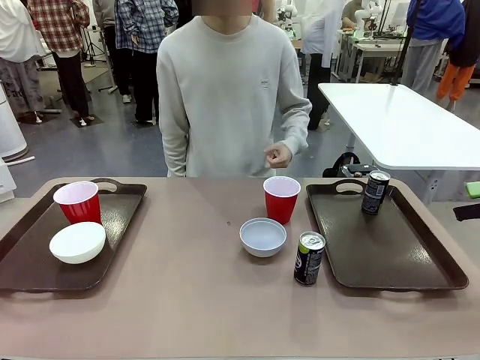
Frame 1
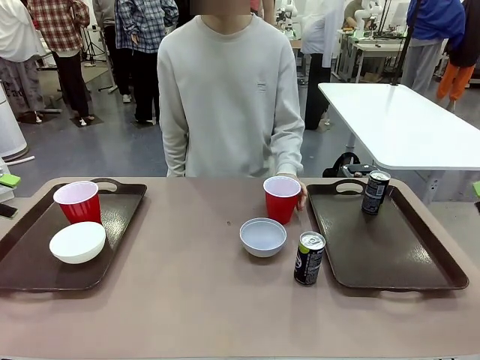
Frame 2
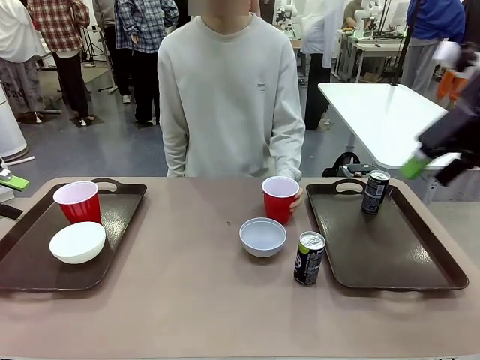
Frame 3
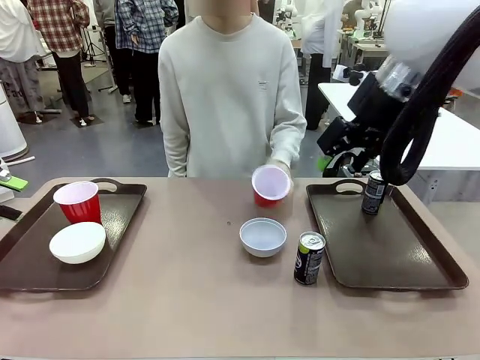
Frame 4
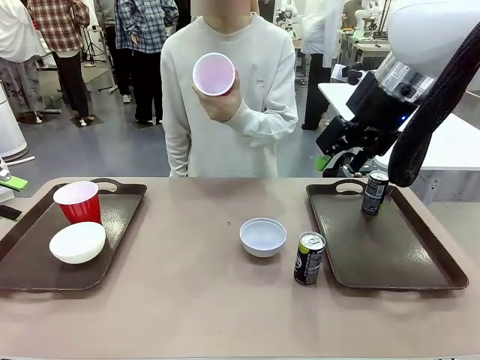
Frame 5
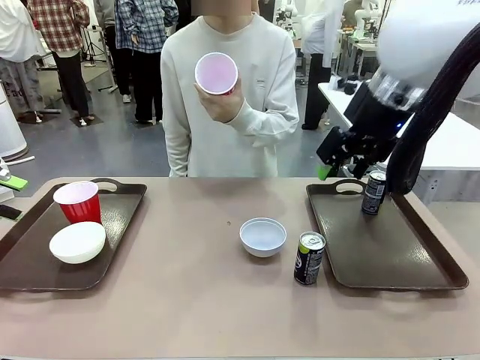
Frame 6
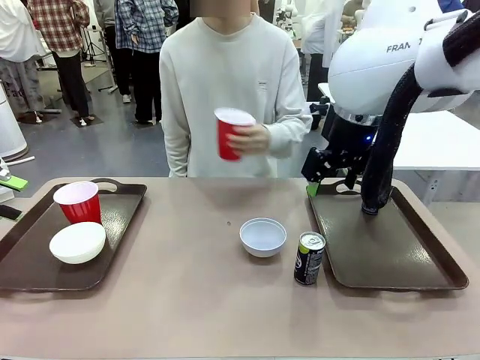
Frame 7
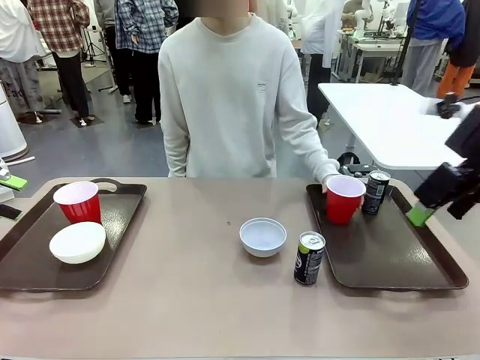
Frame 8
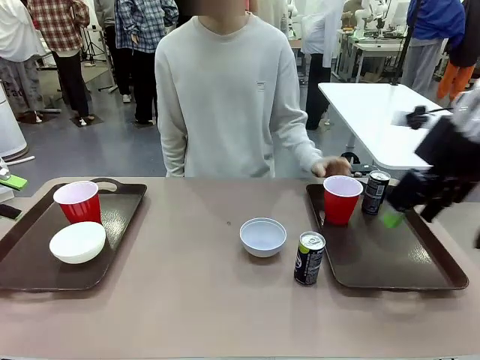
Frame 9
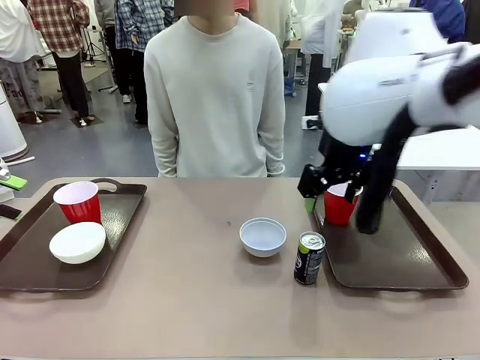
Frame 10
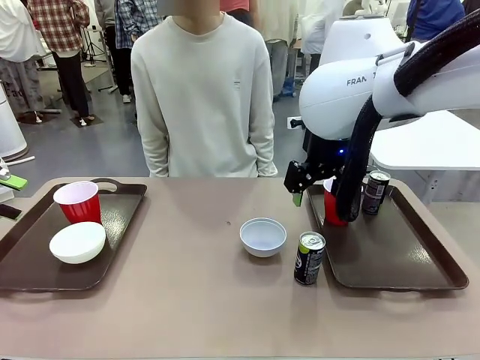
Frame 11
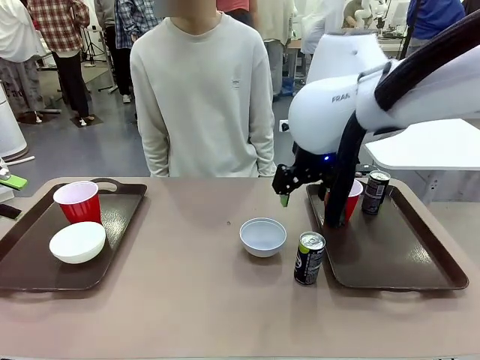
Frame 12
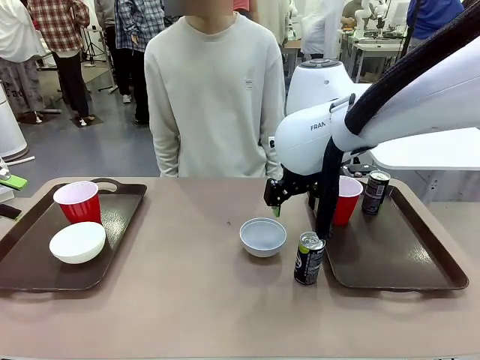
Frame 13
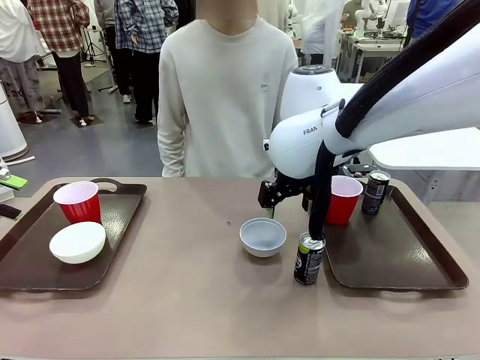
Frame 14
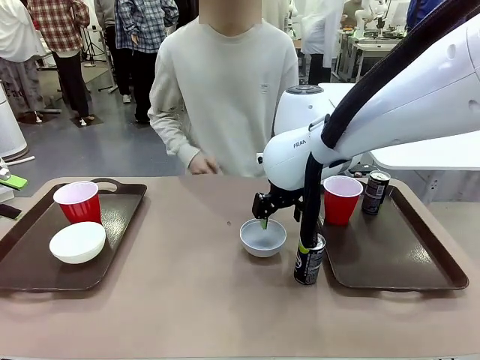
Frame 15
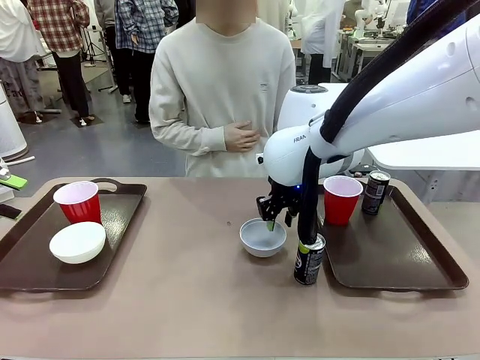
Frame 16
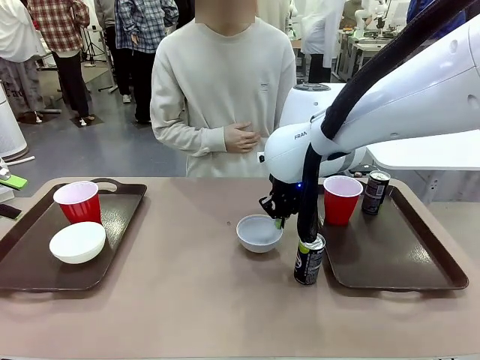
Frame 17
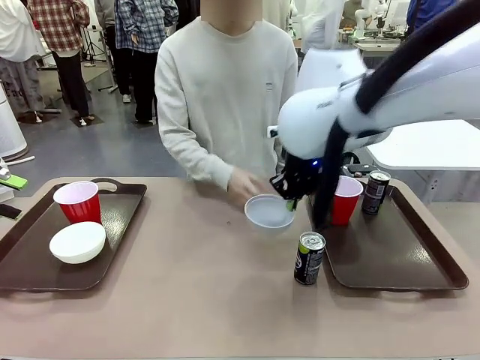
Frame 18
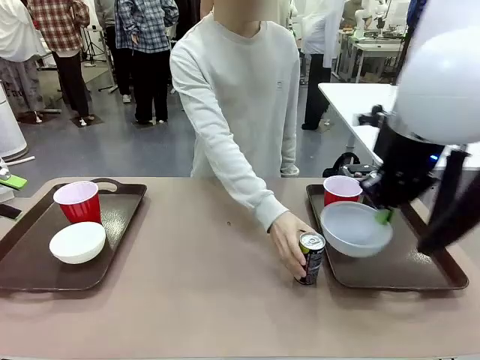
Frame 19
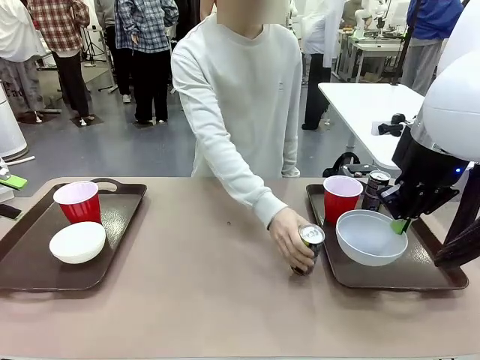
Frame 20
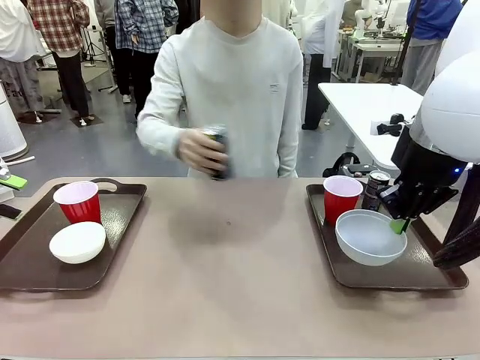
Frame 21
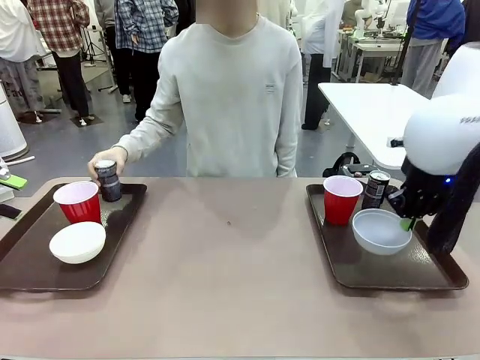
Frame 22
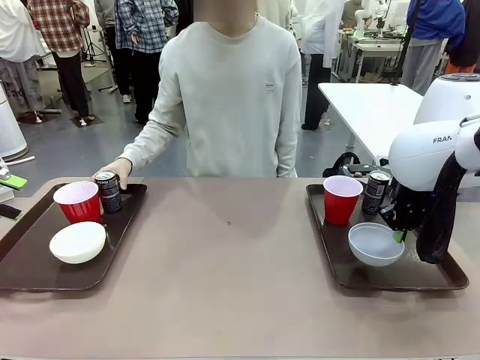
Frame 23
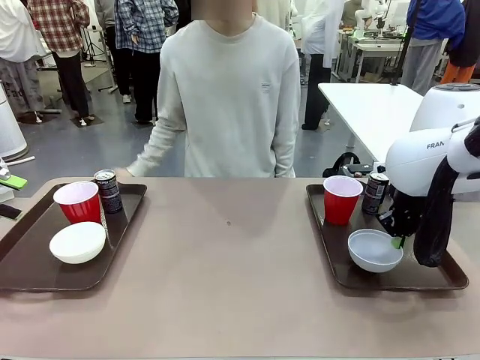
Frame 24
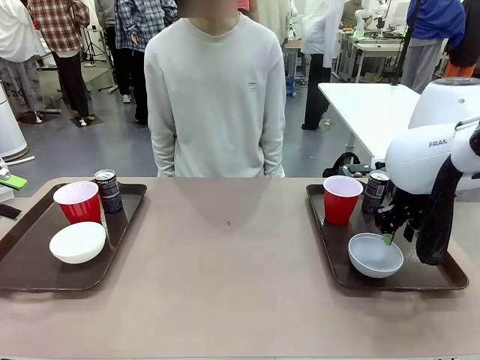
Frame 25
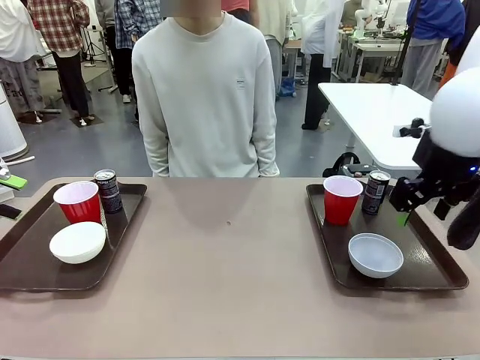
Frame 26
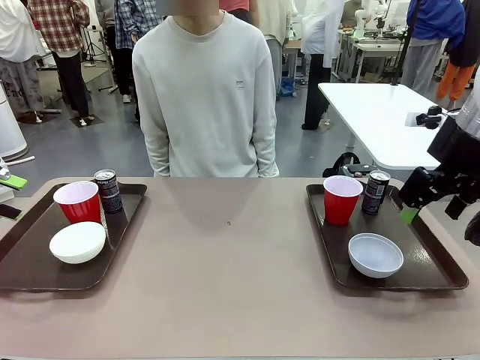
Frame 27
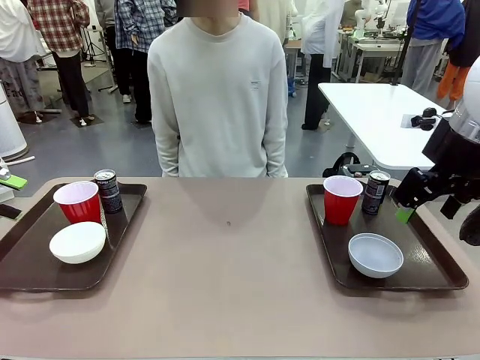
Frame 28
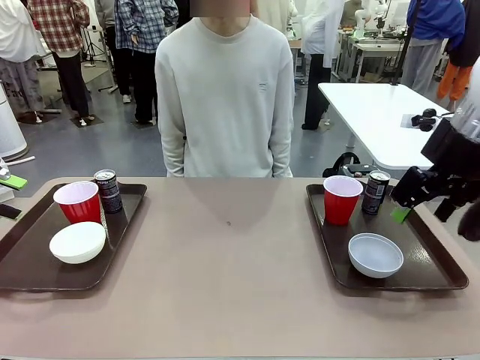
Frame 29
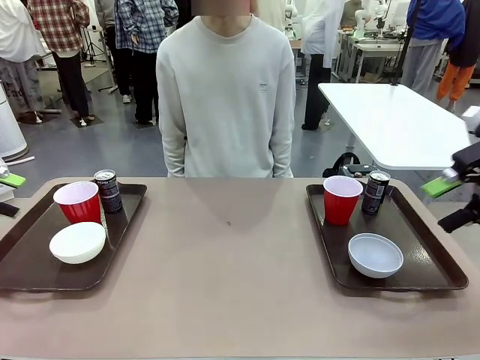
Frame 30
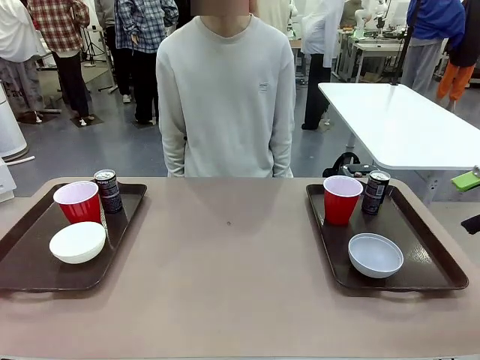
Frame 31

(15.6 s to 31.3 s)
Task: Prepare tableware on both trays.
Robot: Pick up a Picnic Bowl from the table and place it on a Handle tray.
Person: Pick up a can or cup and place it on the tray without a can or cup.

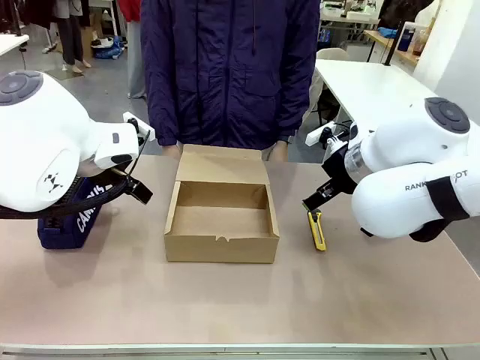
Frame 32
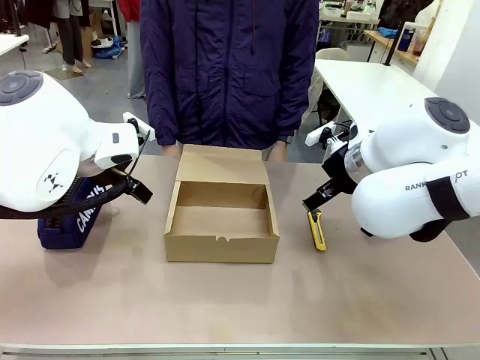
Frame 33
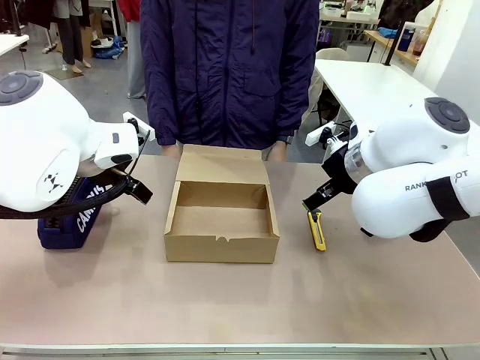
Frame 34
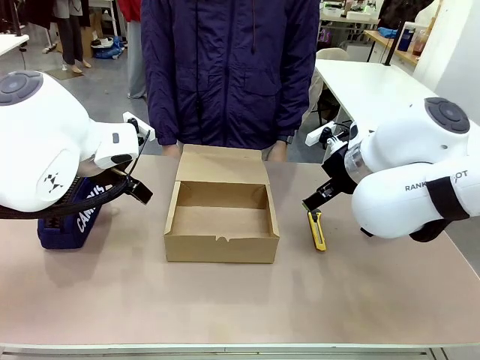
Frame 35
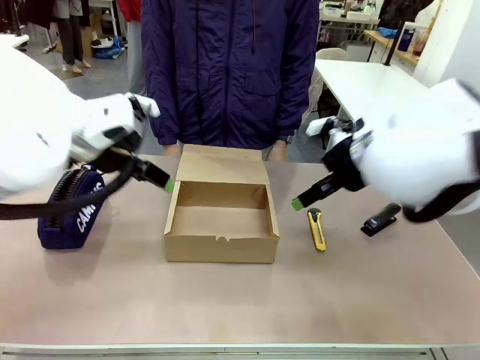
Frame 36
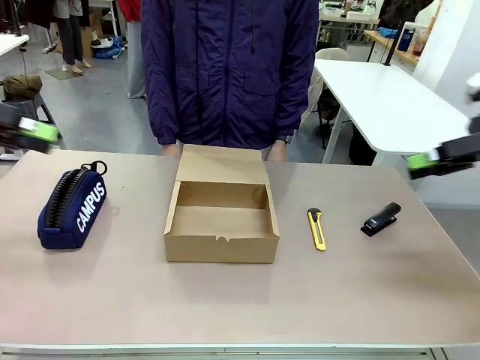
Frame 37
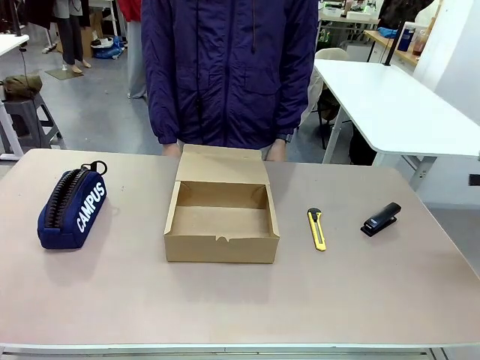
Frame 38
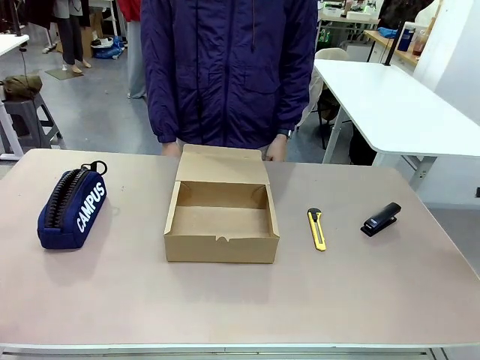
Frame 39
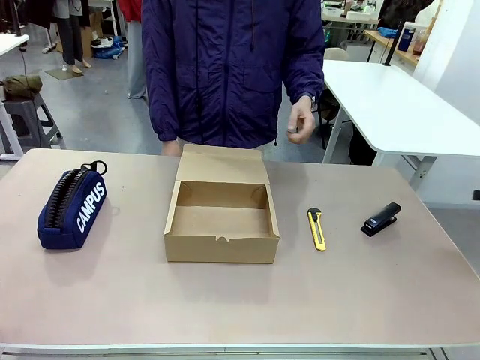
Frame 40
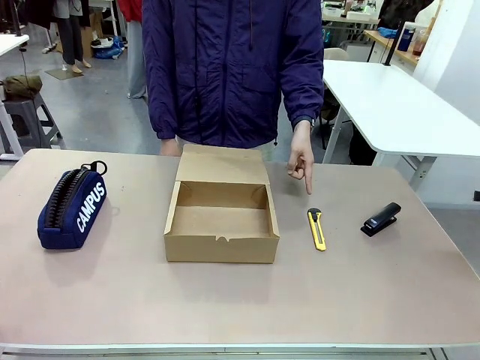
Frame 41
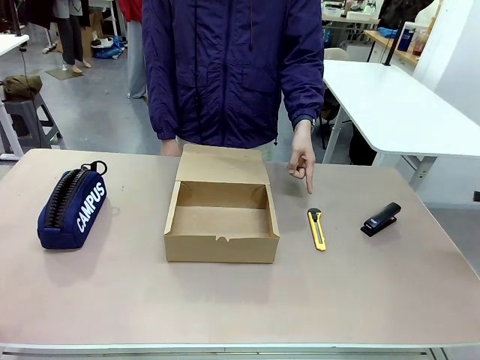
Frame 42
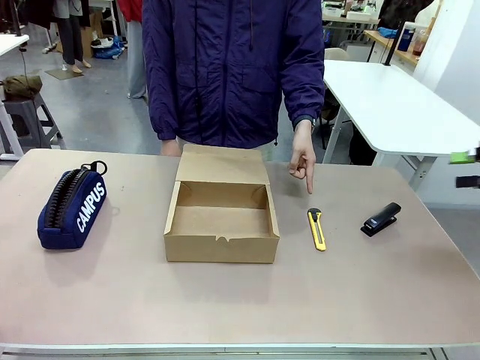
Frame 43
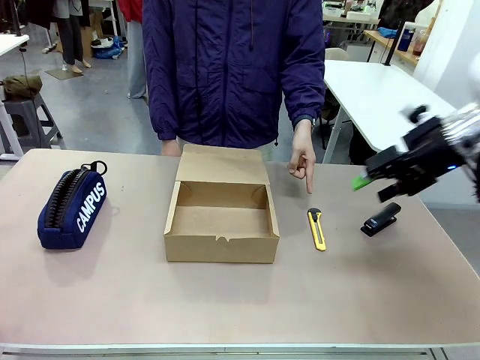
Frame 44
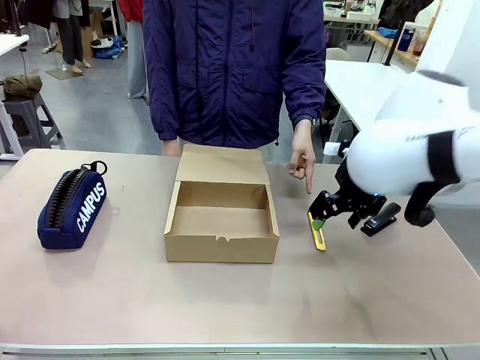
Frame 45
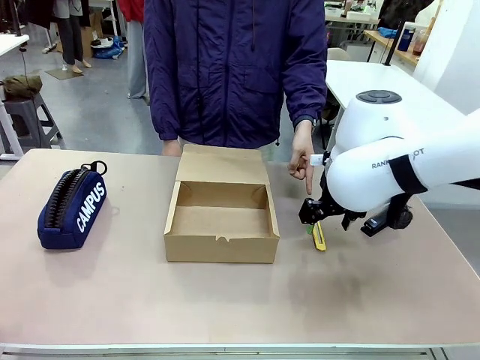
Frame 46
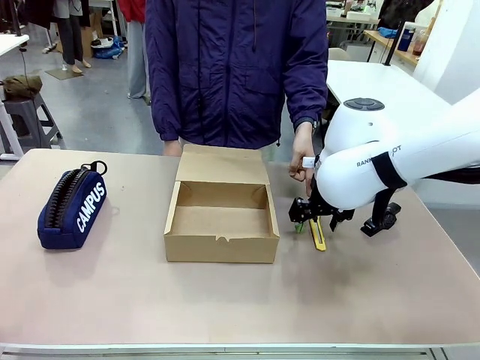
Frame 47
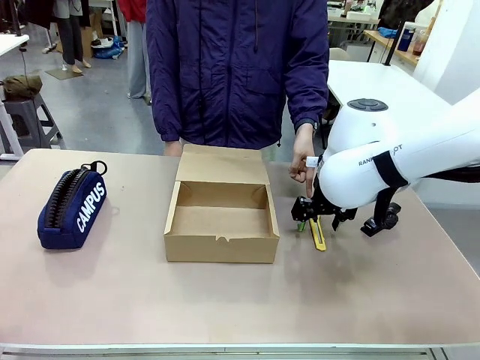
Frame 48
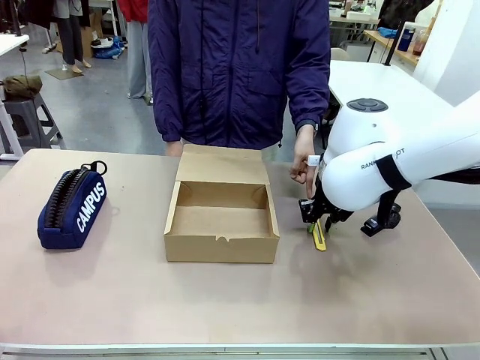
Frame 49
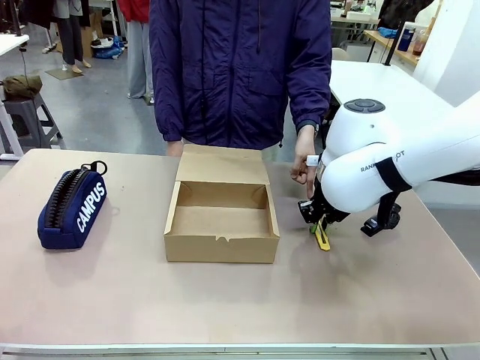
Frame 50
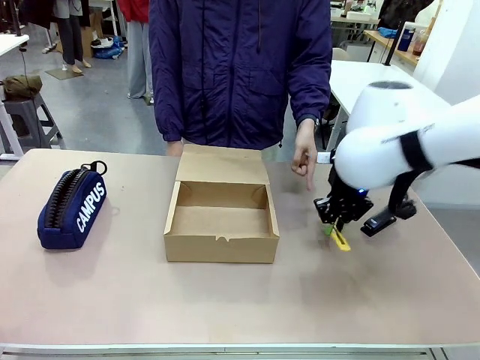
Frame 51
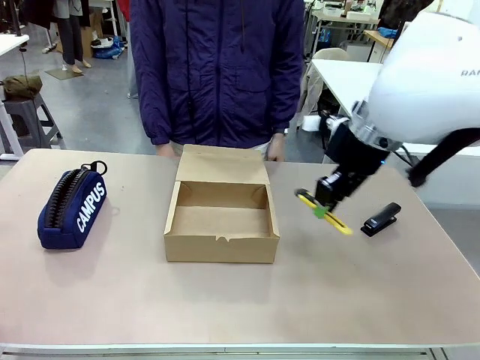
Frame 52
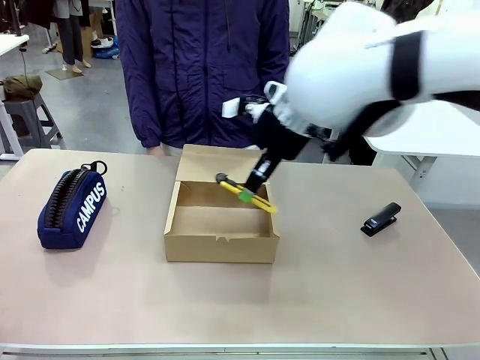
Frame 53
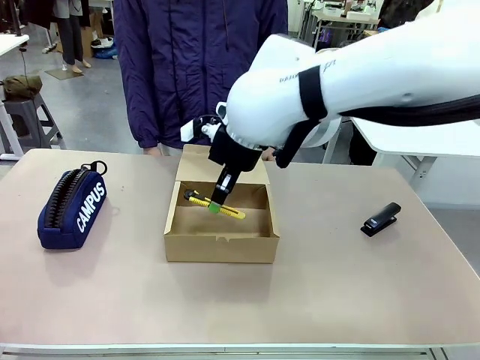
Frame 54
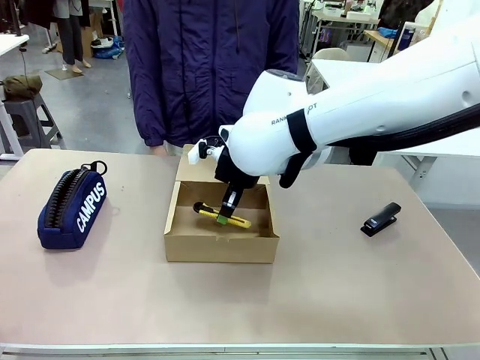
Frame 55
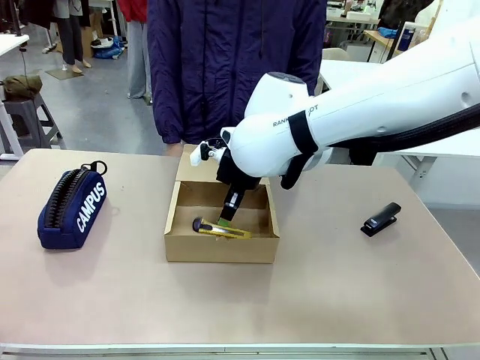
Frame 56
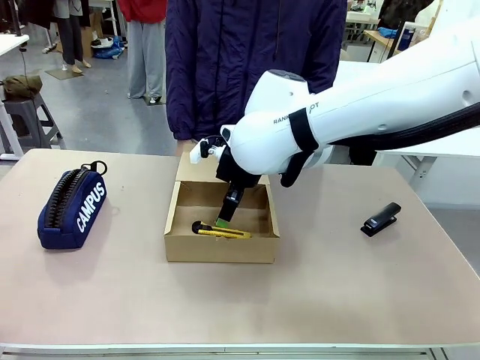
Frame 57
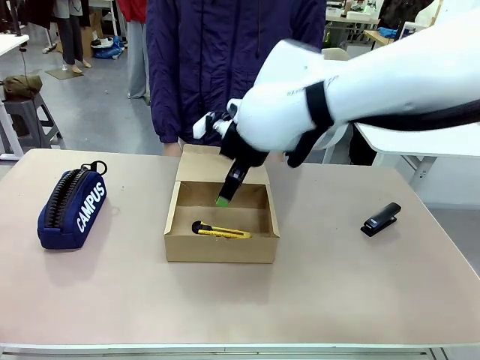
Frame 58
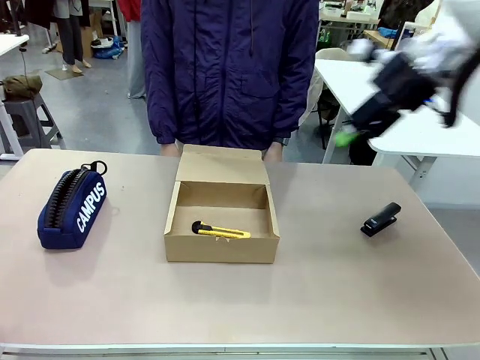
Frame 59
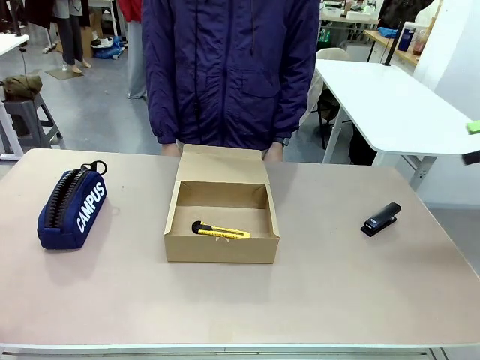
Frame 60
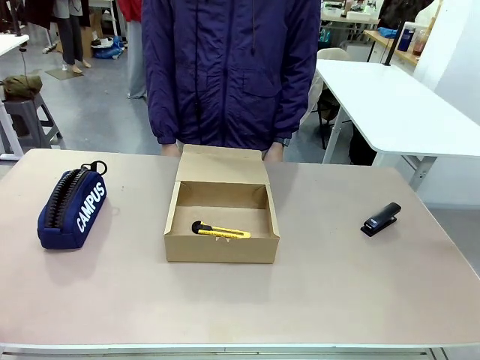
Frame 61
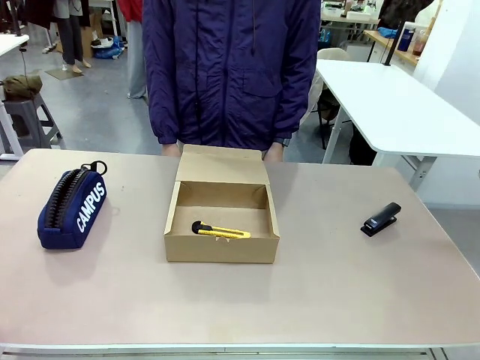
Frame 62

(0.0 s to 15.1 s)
Task: Pack the item into the box.
Robot: Pick up the item indicated by the person and place it inside the Mailer Box.
Person: Point at one item on the table (excluding the box).
